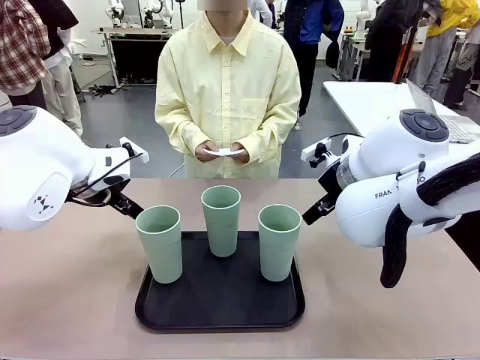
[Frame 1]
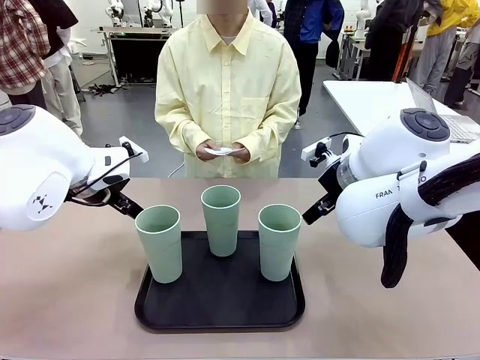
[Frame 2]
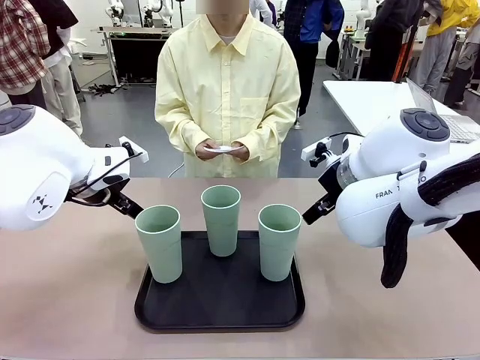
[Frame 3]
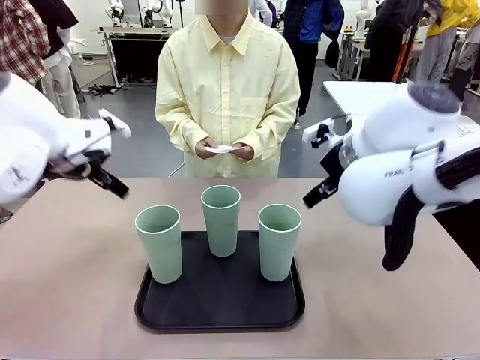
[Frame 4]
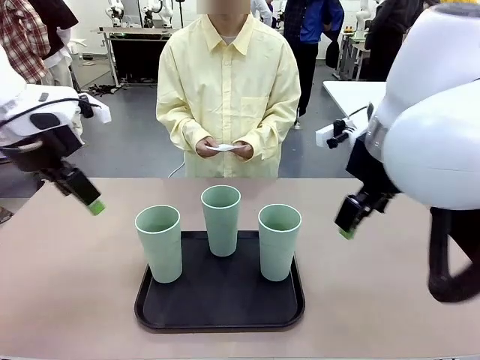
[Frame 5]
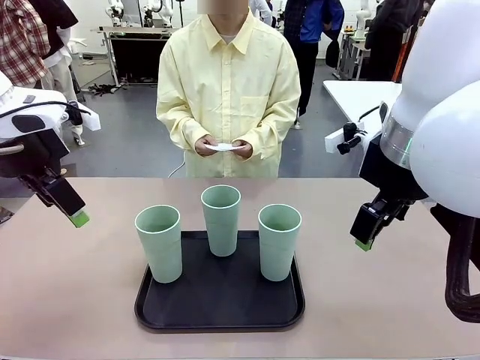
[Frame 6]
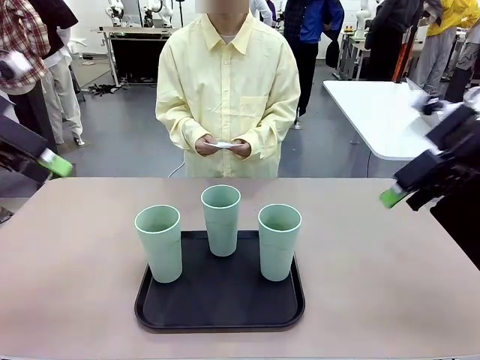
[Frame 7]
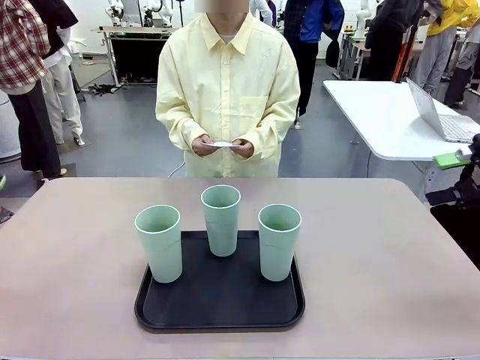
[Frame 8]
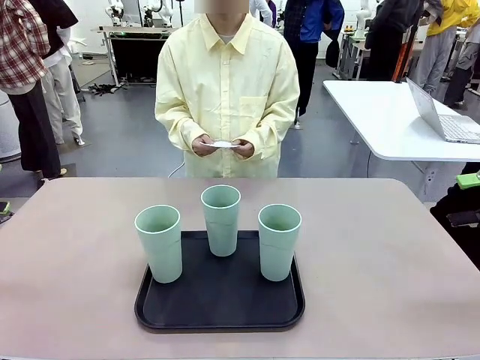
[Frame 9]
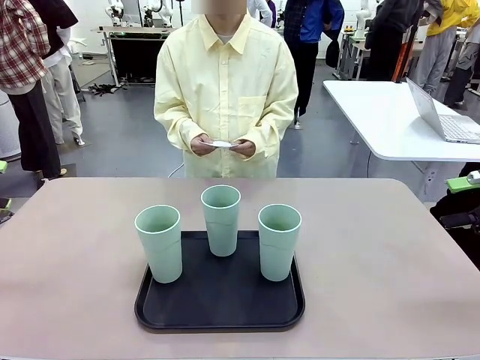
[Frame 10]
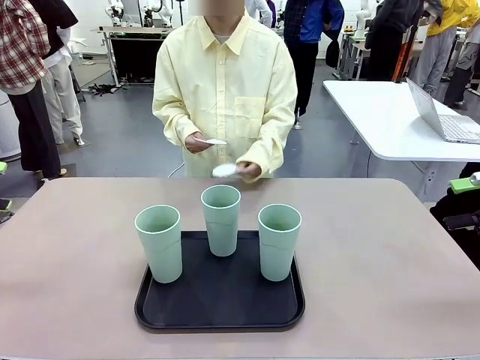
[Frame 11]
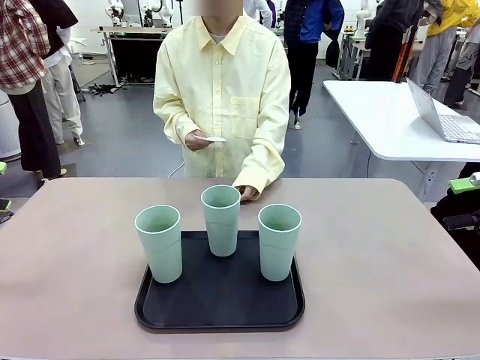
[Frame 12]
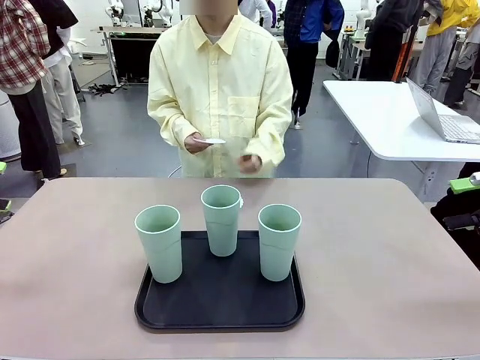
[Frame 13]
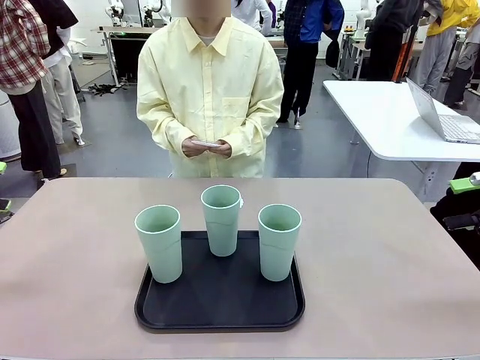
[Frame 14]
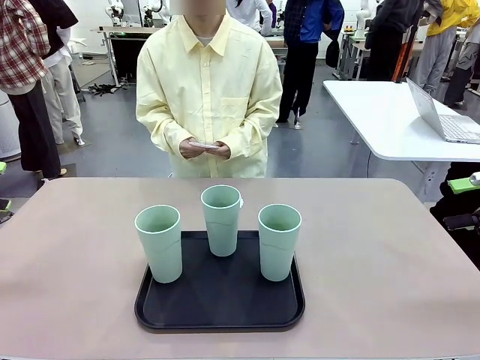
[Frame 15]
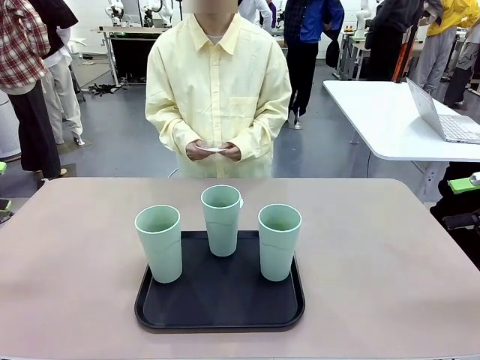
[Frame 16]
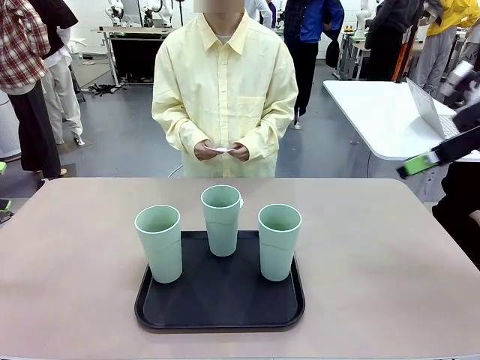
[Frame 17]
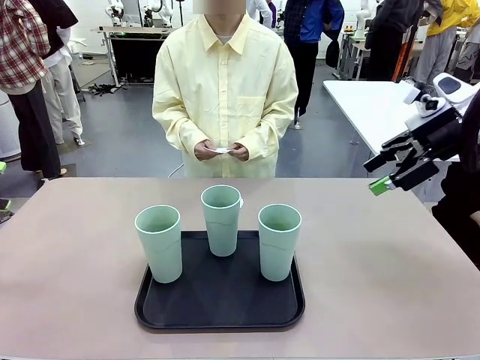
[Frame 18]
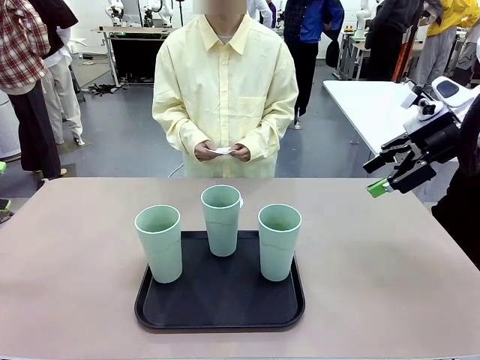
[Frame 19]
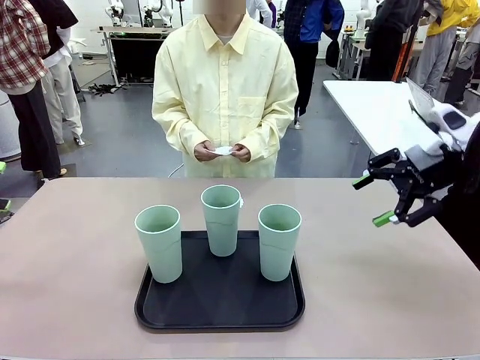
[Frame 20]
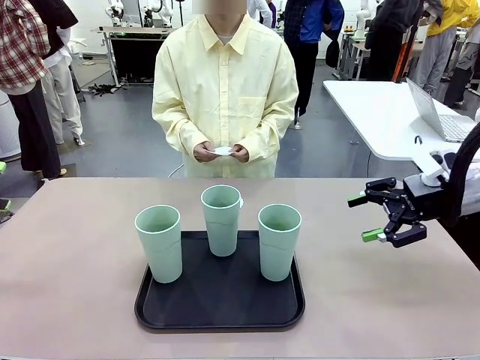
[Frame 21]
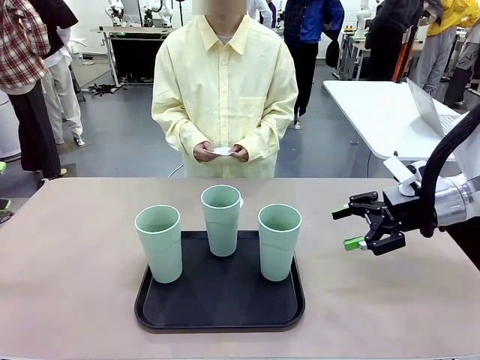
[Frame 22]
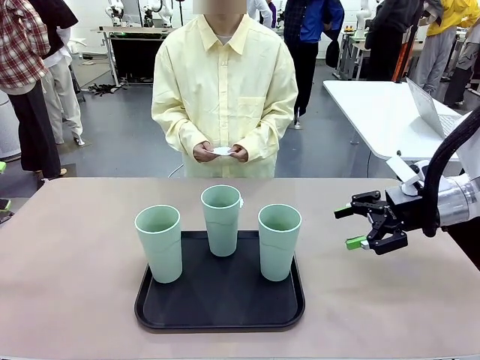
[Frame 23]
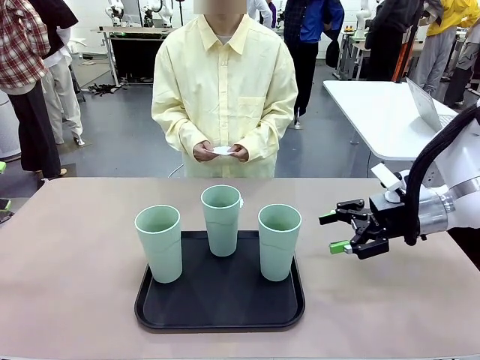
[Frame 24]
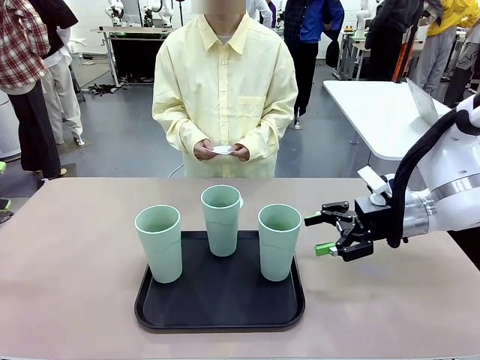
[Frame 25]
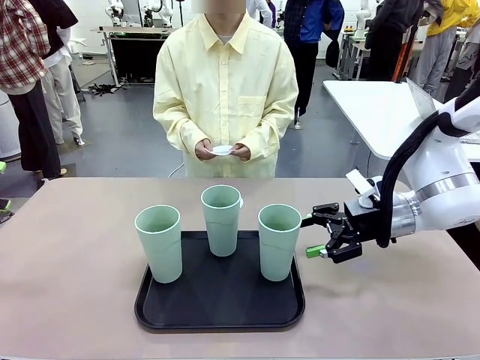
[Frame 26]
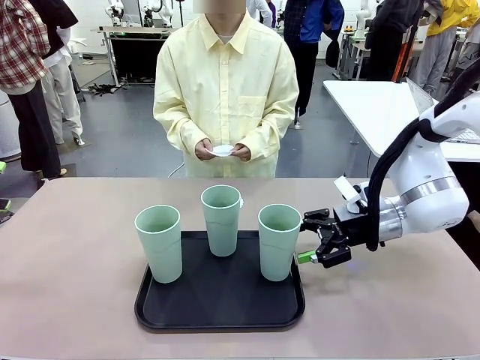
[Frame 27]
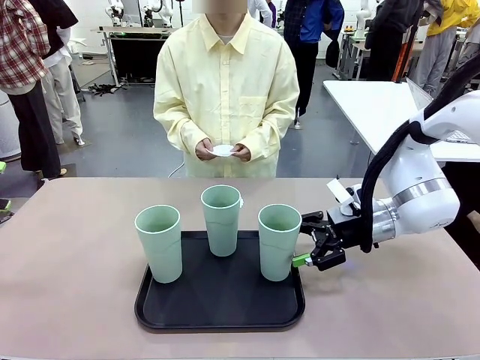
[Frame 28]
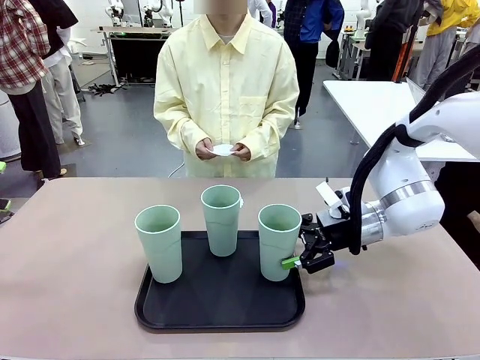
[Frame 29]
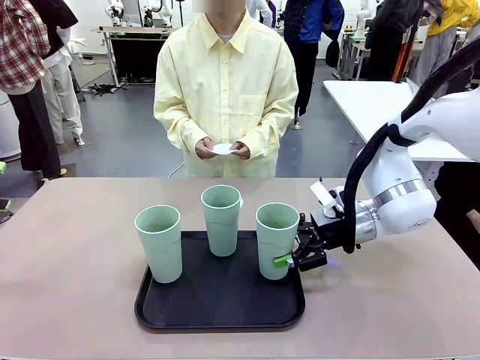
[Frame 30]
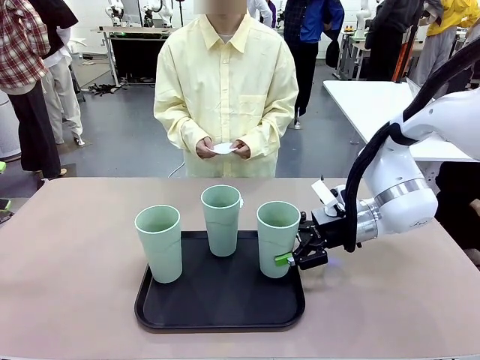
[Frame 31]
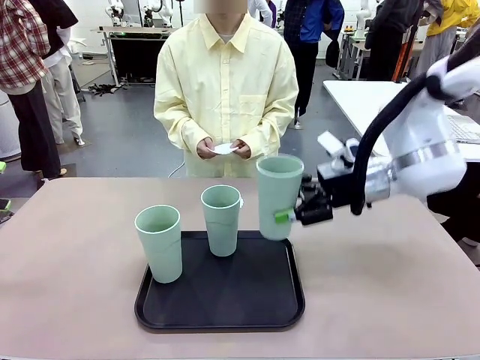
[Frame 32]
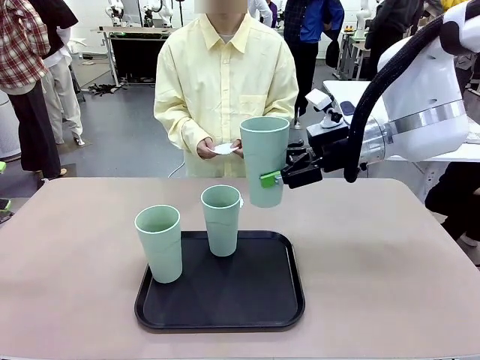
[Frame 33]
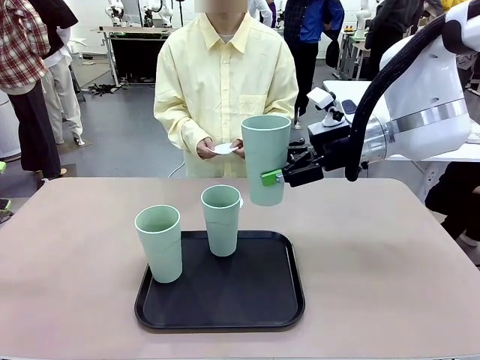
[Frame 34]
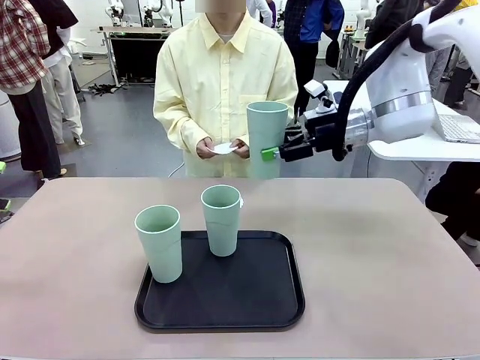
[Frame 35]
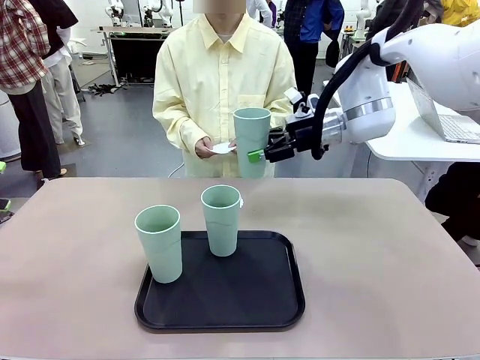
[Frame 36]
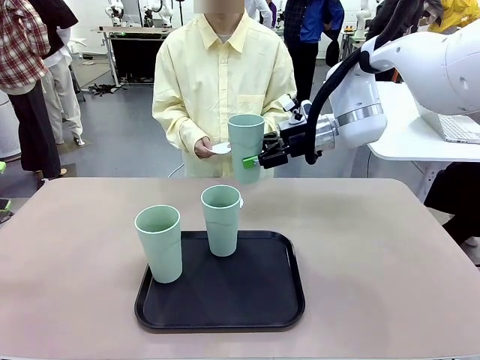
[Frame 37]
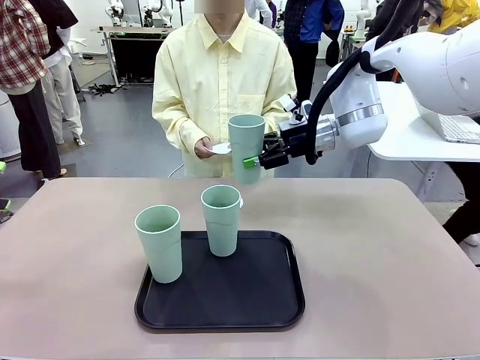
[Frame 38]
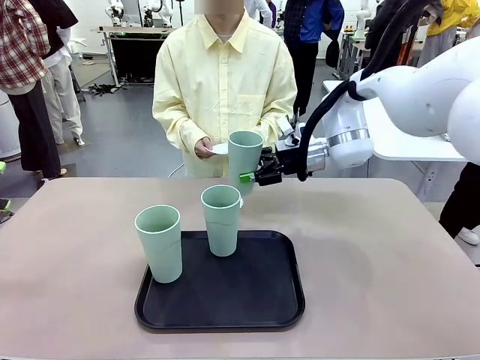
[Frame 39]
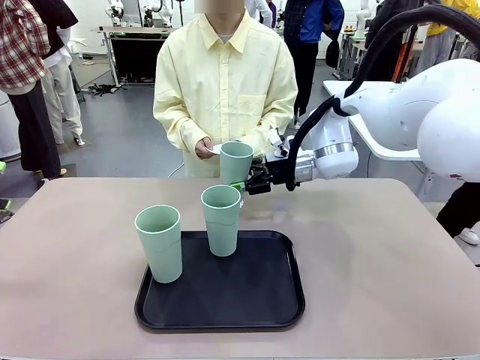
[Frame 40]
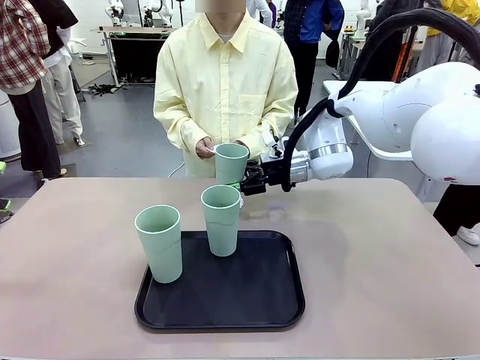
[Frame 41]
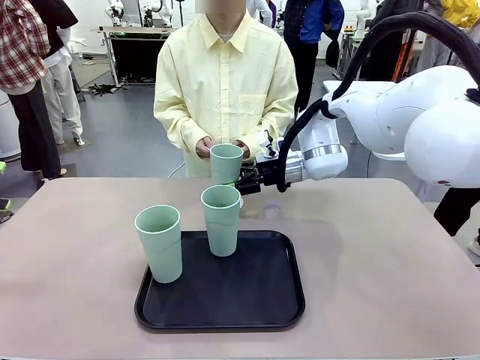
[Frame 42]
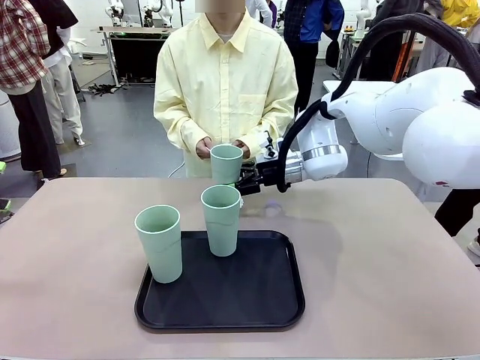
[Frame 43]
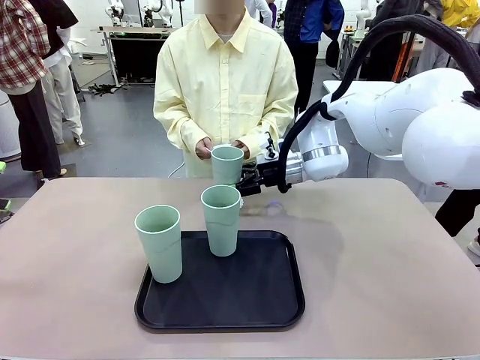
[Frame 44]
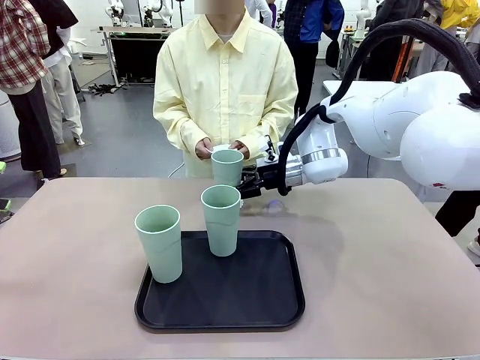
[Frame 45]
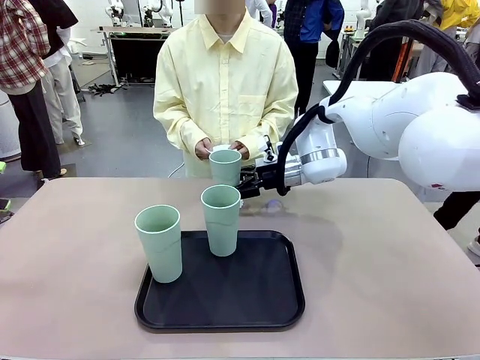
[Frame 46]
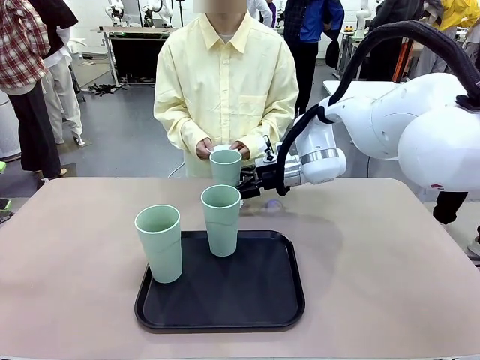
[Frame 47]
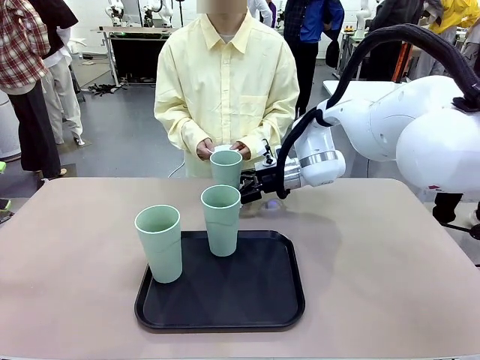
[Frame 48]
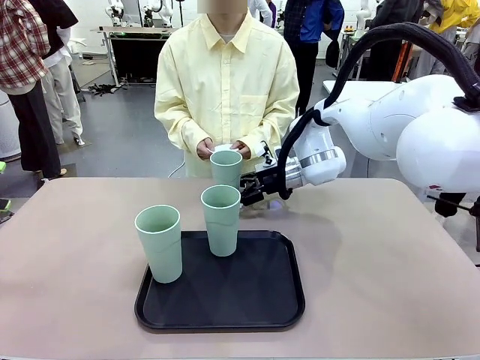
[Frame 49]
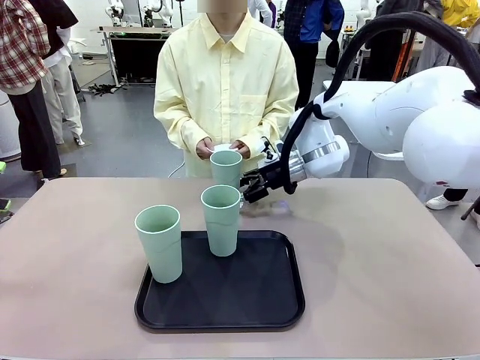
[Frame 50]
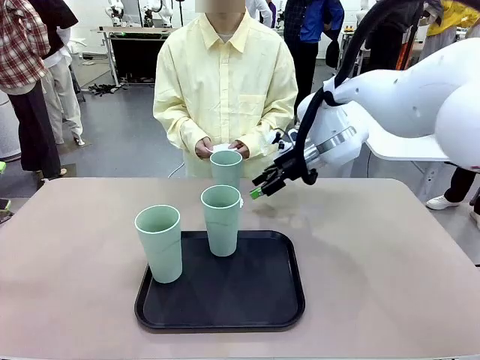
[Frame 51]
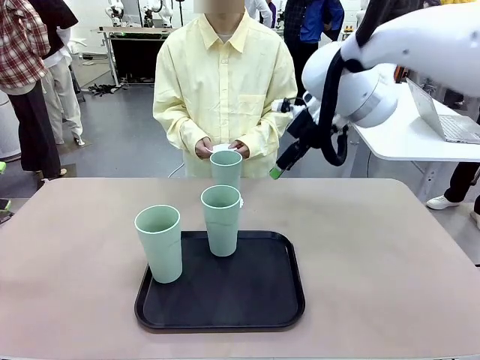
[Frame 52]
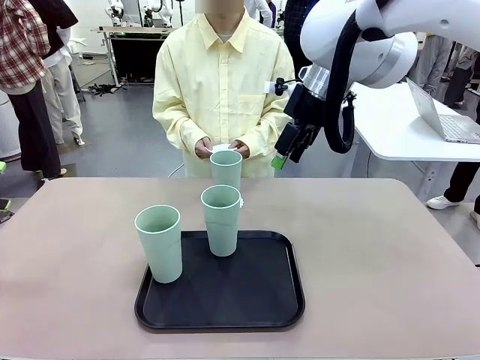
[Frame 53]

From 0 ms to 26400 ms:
Task: Place coasters on the table and set cups on them.
Robot: Pick up one Reusable plastic cup and place it on a coaster set by the human.
Person: Place one coaster in any one of the three lower areas of the robot table (left, center, or right). Place one coaster in one of the two areas excluding the previously selected area.
